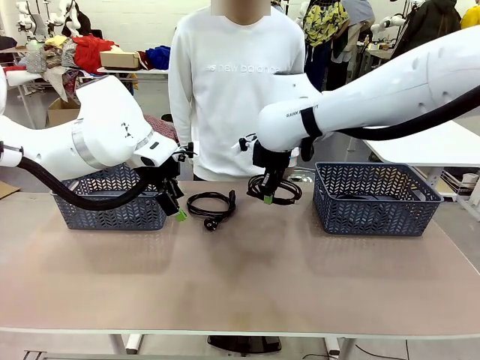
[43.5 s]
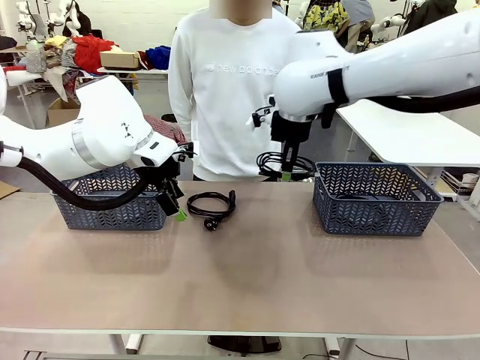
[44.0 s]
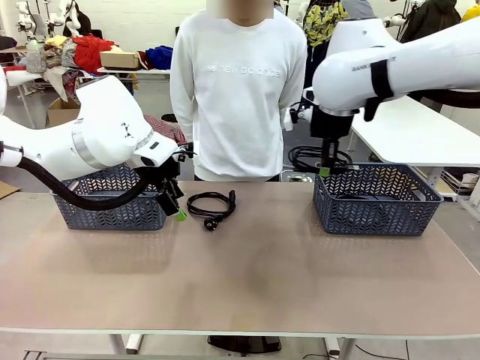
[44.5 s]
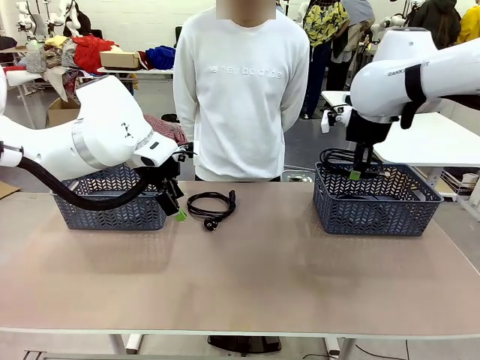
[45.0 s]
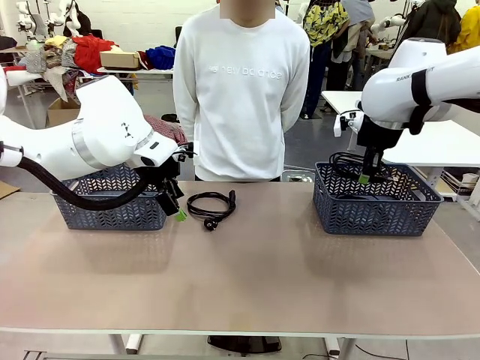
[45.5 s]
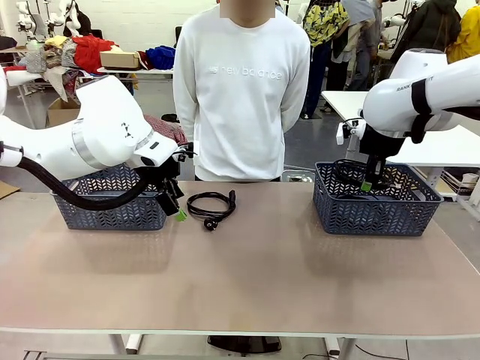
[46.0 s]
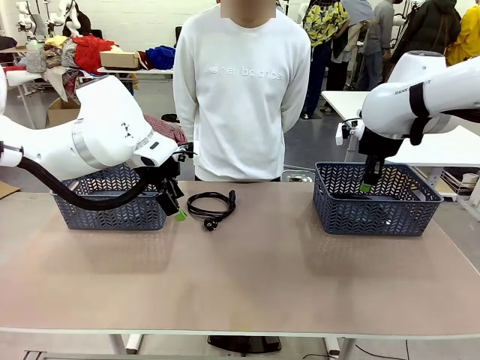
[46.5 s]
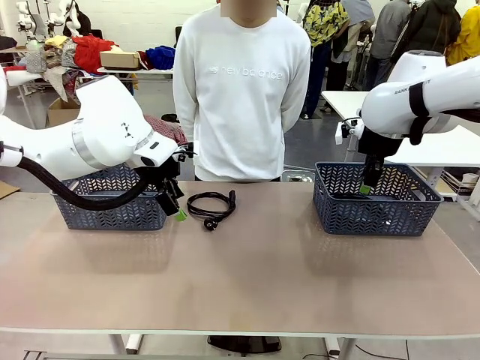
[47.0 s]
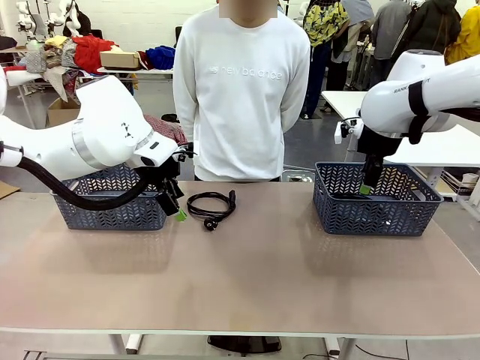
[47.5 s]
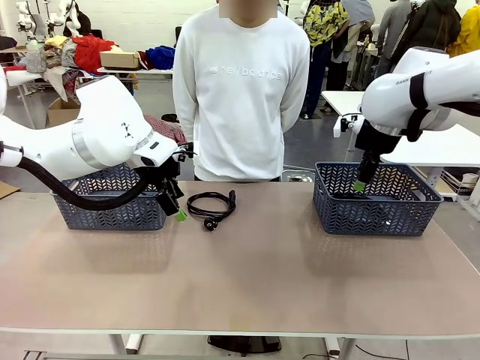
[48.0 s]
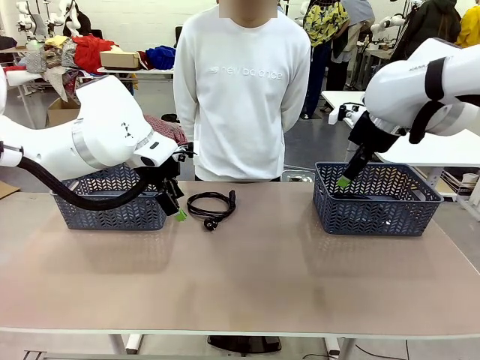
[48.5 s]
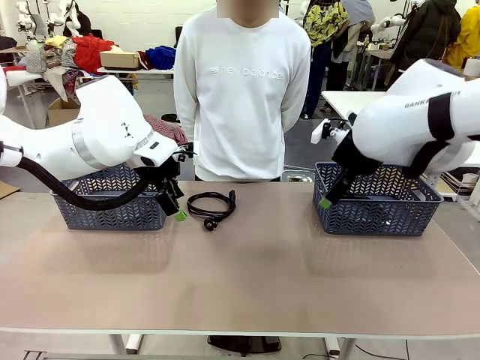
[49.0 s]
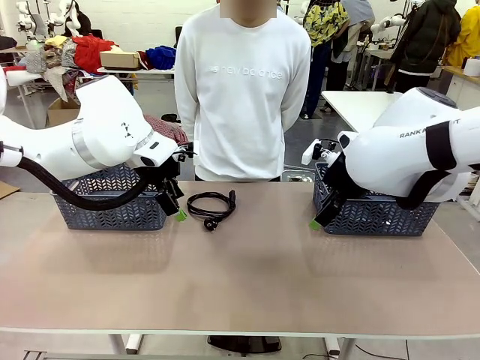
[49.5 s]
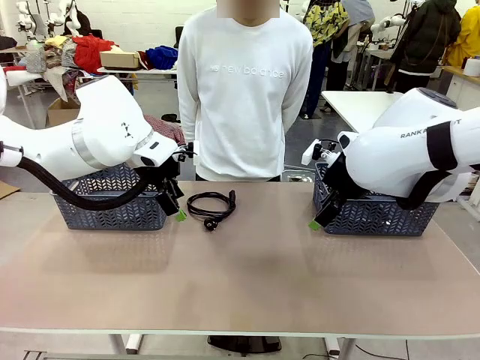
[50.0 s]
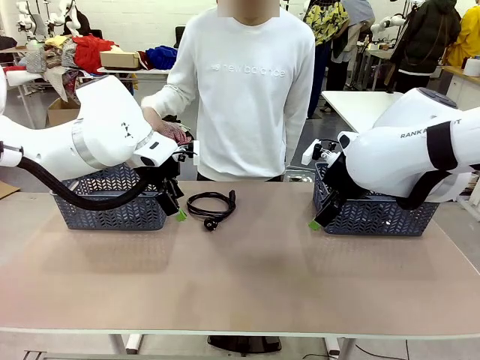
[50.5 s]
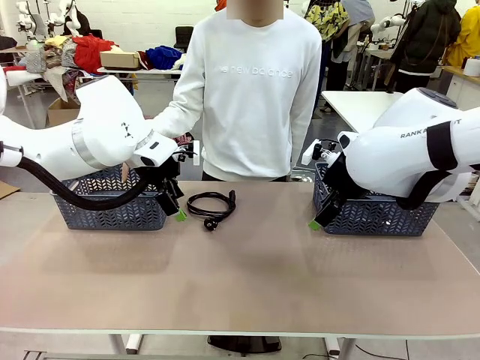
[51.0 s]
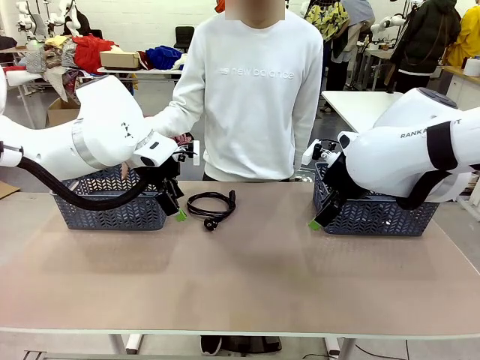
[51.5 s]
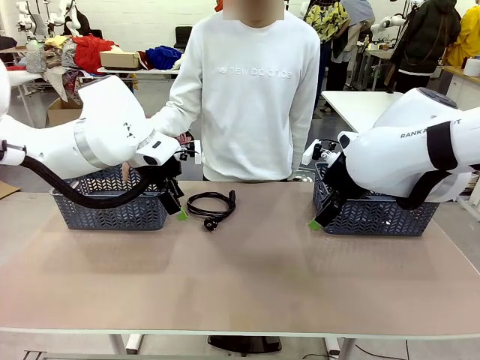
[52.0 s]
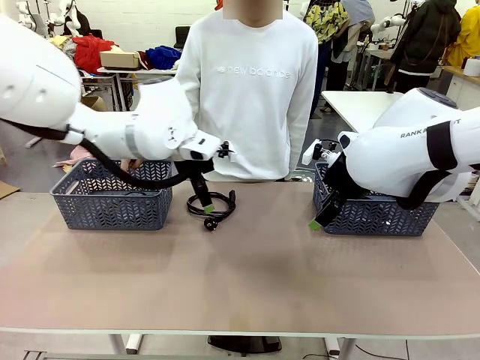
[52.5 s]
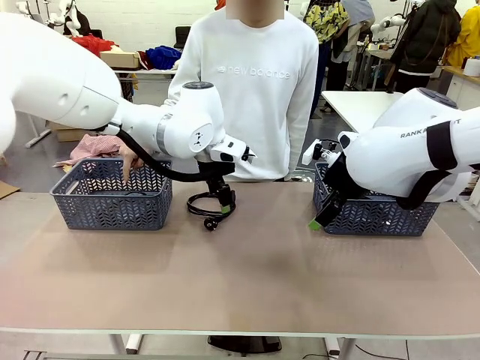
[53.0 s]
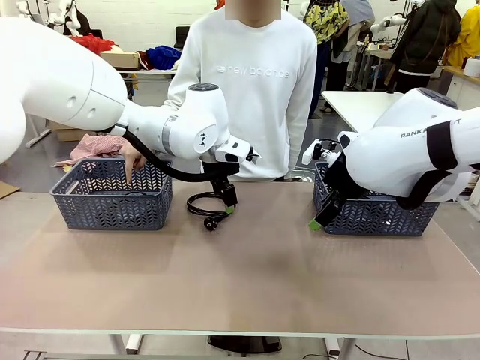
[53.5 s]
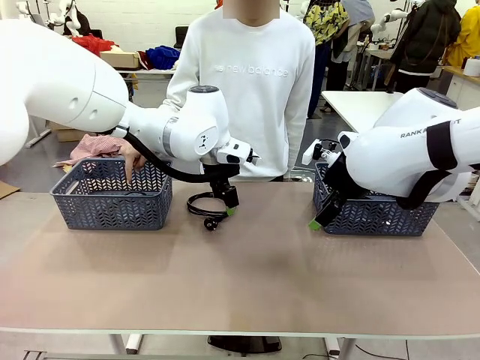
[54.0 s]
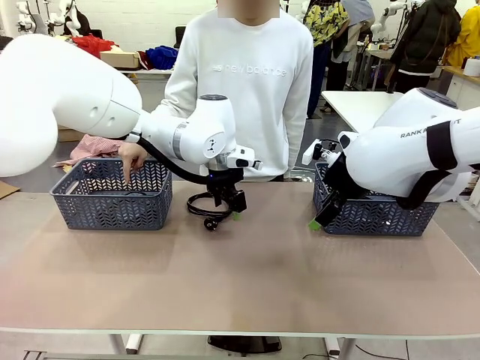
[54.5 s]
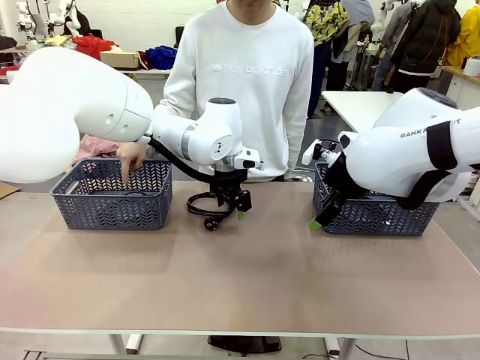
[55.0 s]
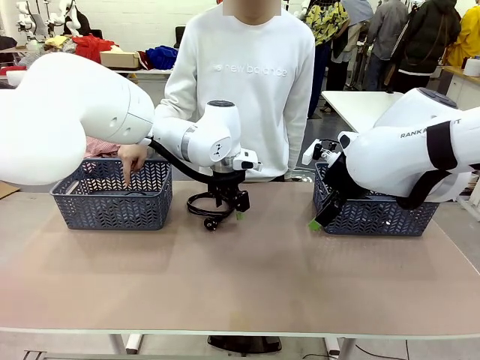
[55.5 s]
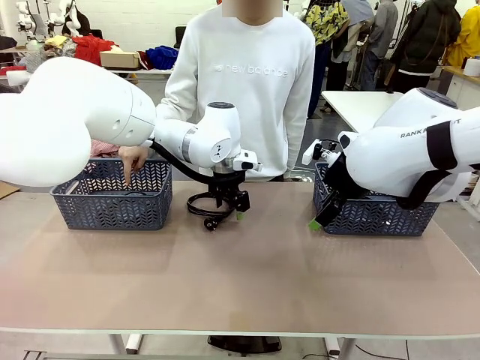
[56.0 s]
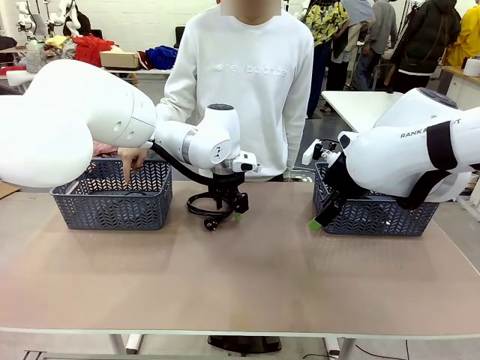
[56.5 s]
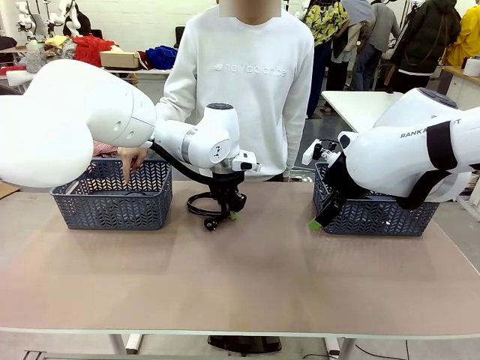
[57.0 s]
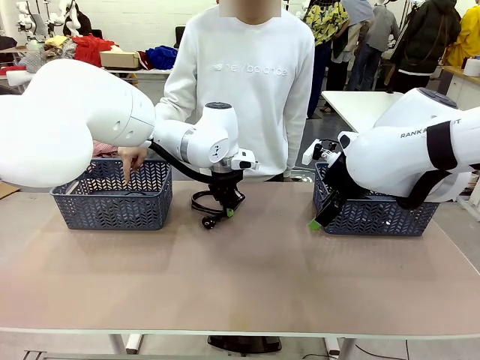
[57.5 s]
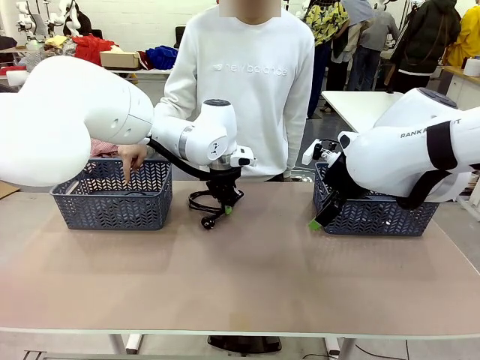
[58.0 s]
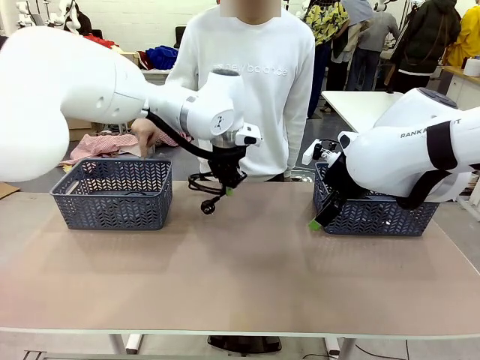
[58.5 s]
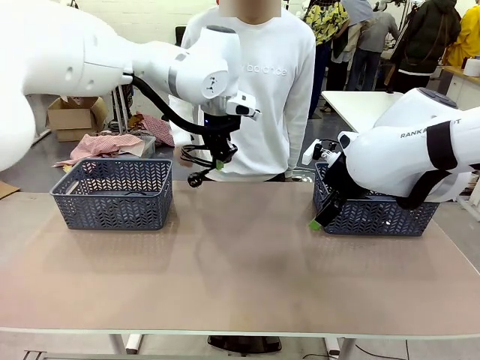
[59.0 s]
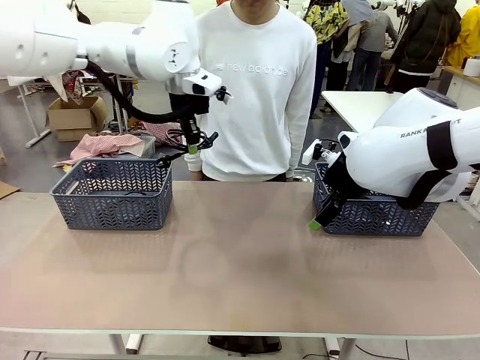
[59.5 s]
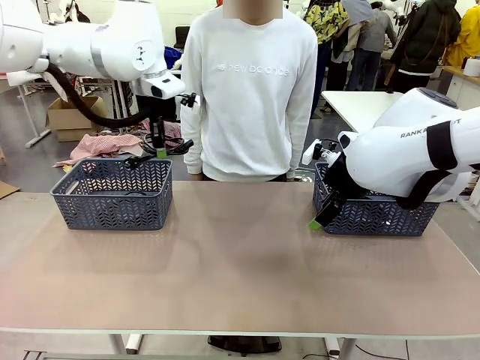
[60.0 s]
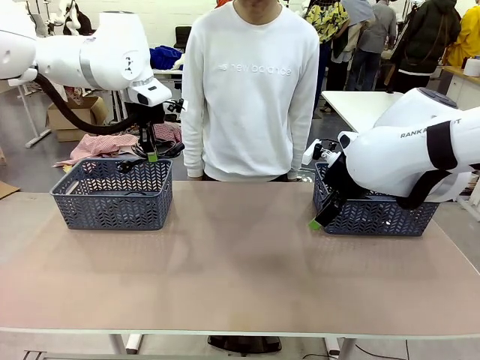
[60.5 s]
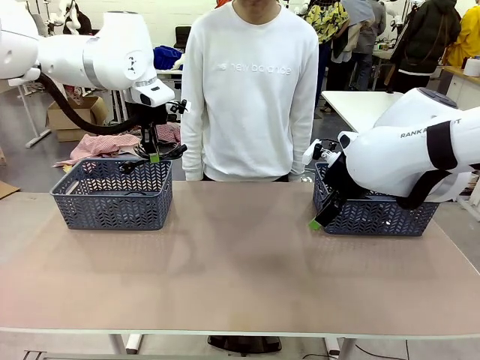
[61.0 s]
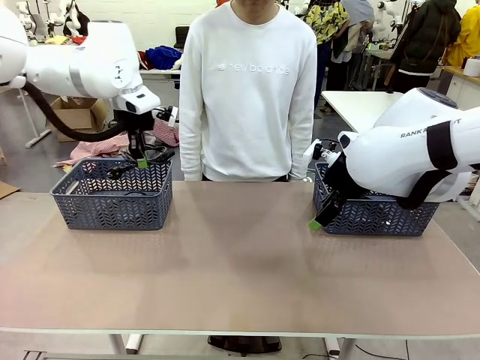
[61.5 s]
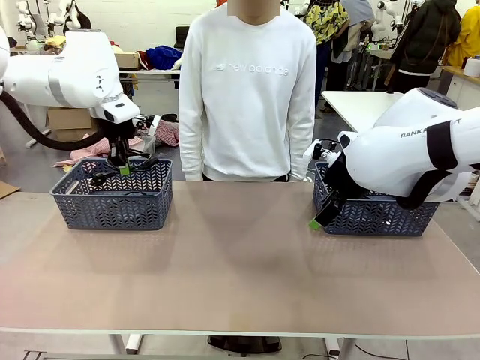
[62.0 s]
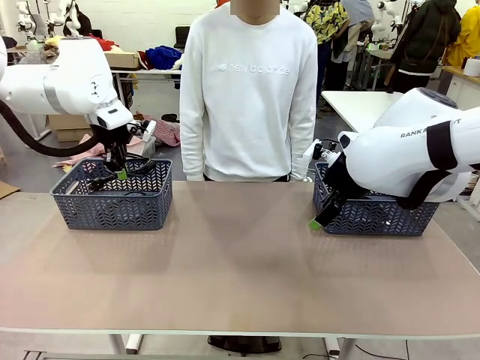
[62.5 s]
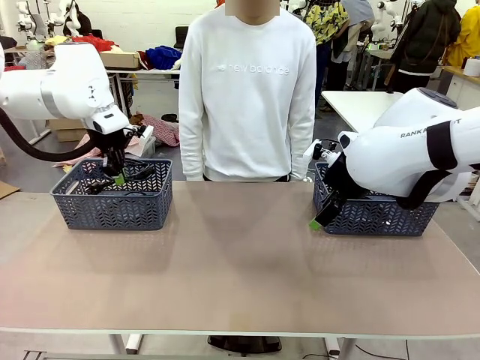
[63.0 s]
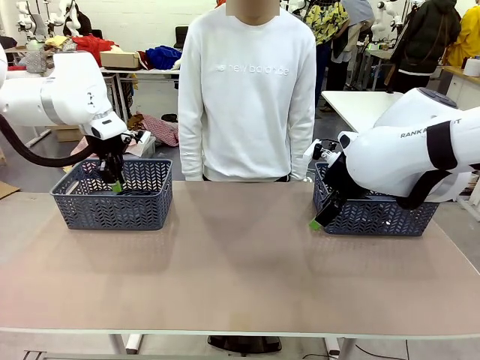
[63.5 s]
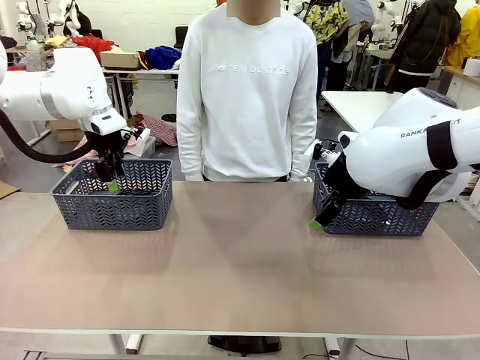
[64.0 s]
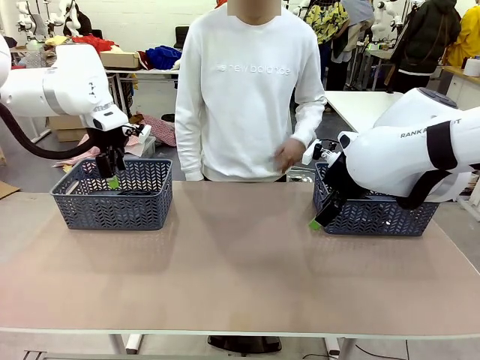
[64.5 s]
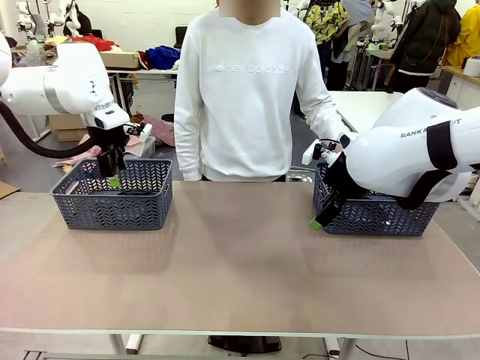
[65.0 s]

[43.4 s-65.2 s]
Task: Organize the cables according to human instructions.
Robot: Pick up a bundle of cables and place it in the basket indicated by the human.

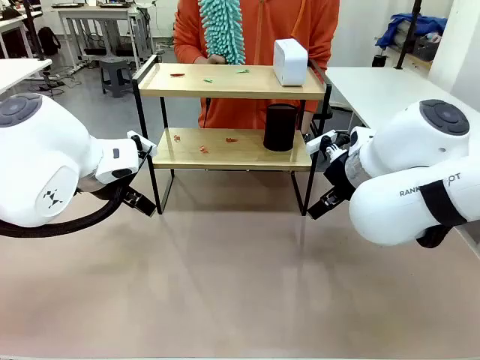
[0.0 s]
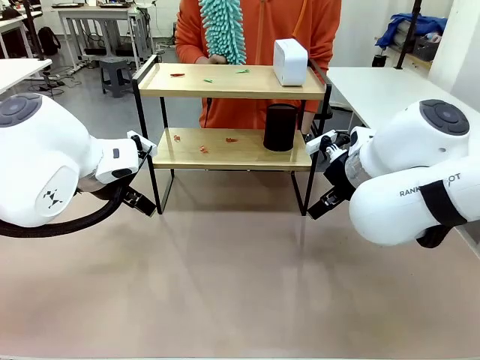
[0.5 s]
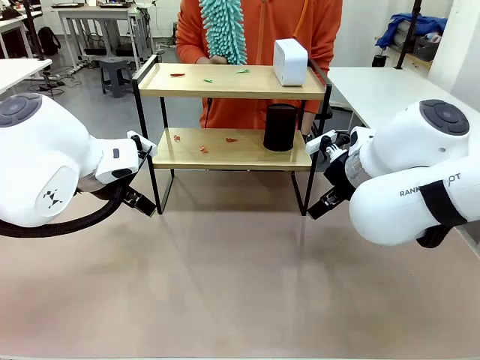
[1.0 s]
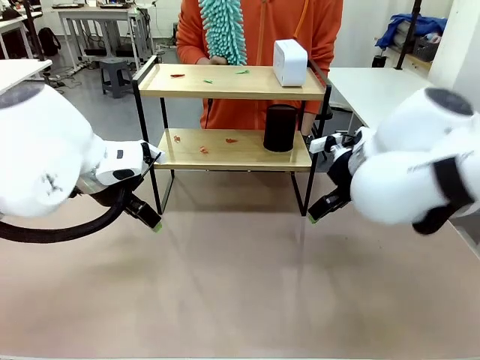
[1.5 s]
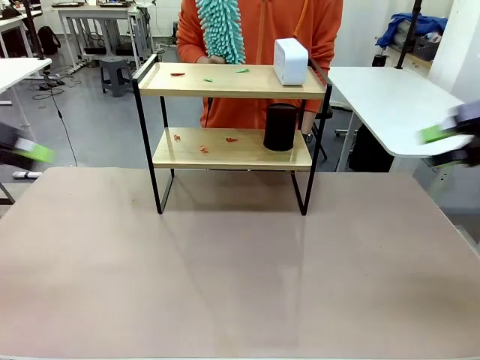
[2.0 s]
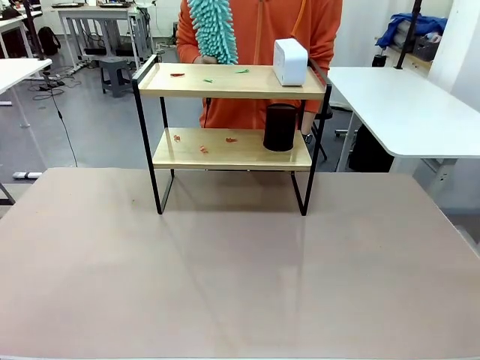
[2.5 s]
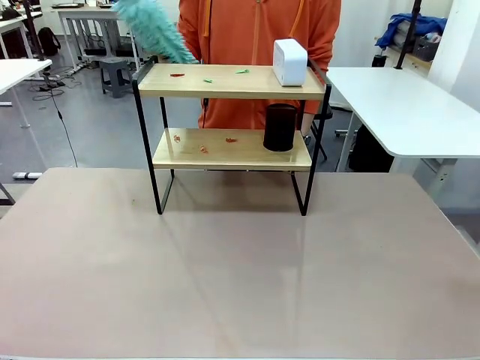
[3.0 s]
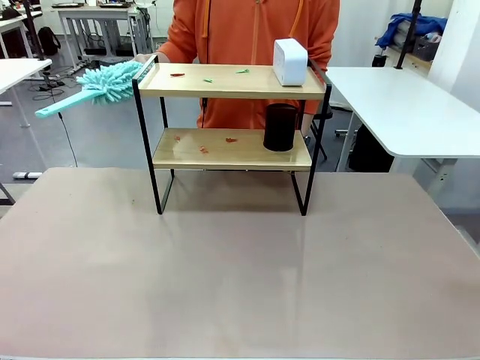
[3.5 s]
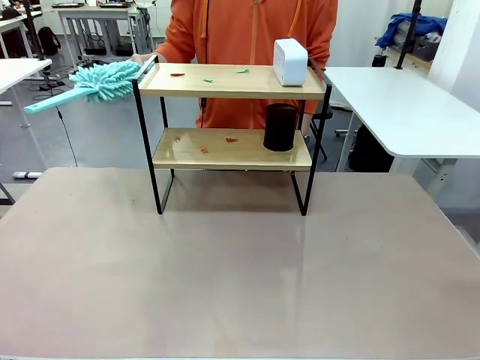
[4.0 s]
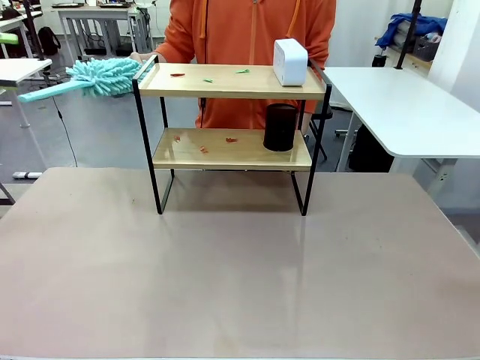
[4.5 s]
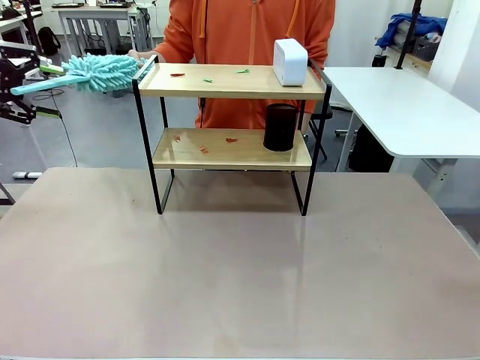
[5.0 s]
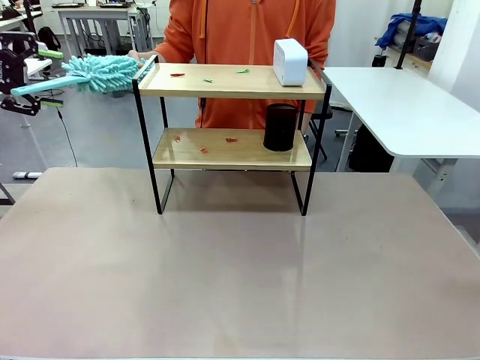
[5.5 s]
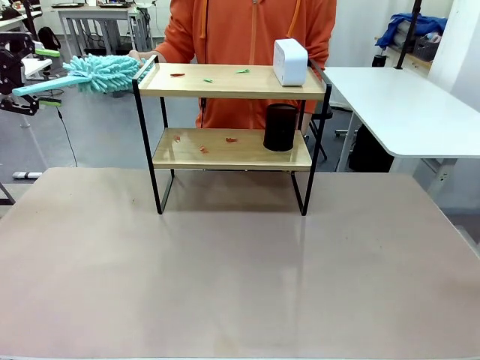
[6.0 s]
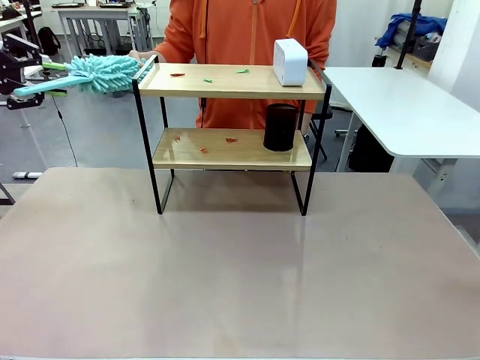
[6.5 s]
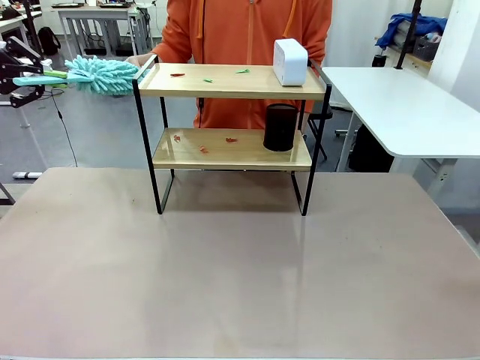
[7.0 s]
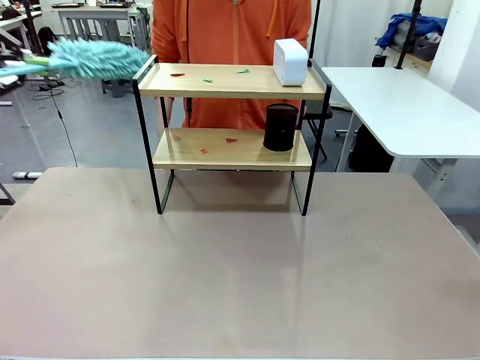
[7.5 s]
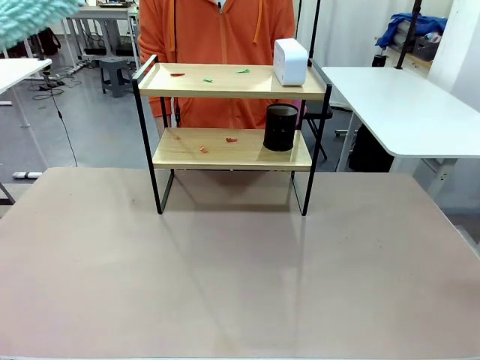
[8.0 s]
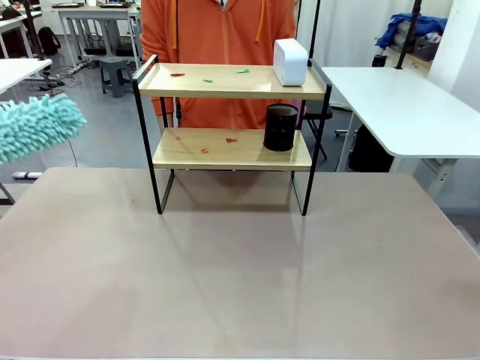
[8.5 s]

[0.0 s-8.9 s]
Task: Clean the shelf.
Robot: Pick up the Duster from the human.
Person: Hand the Duster to the robot.
